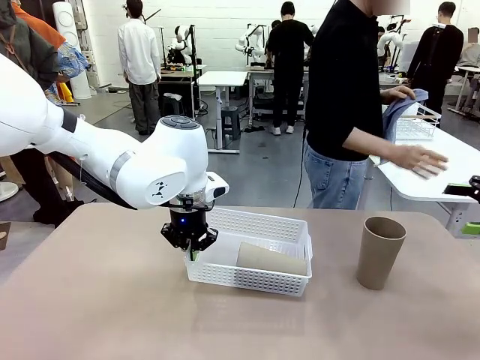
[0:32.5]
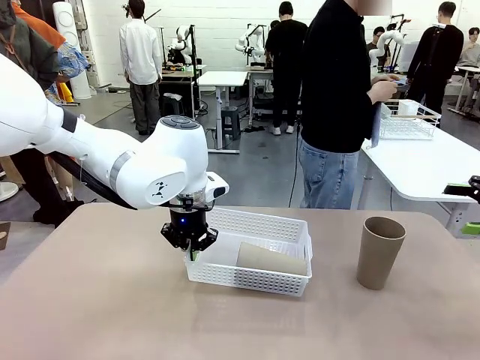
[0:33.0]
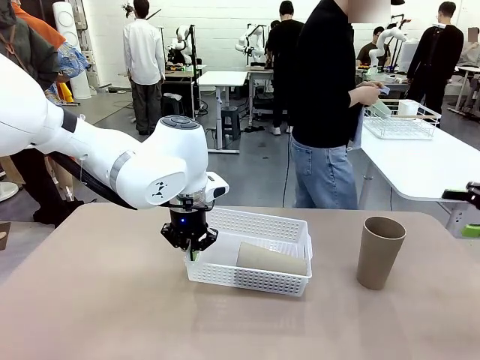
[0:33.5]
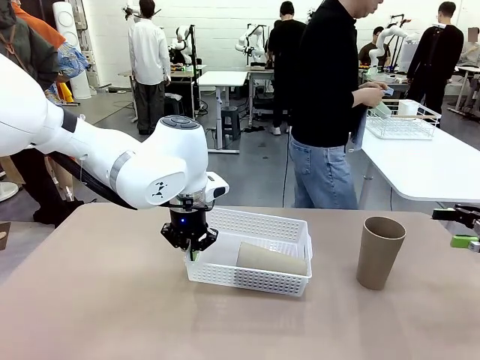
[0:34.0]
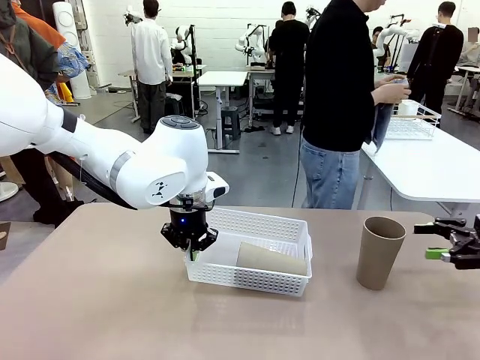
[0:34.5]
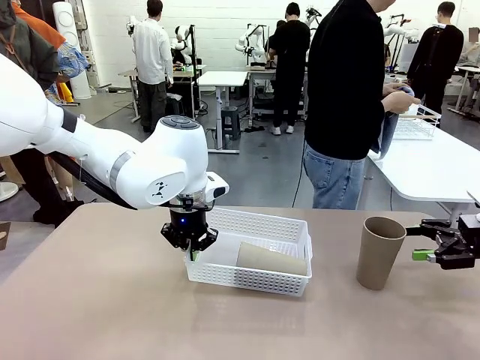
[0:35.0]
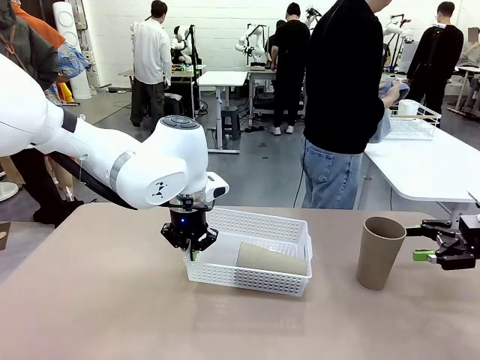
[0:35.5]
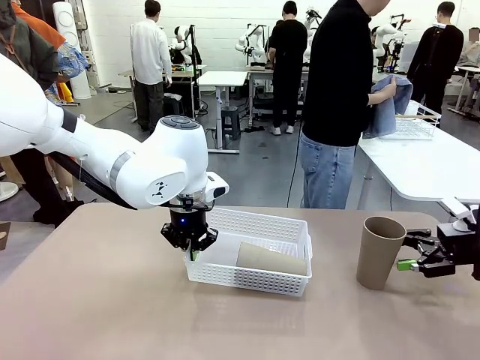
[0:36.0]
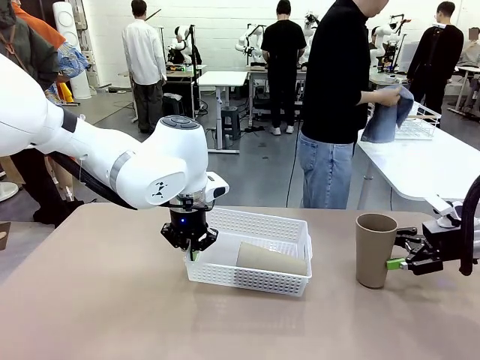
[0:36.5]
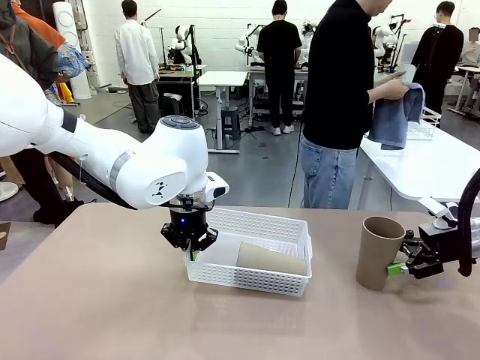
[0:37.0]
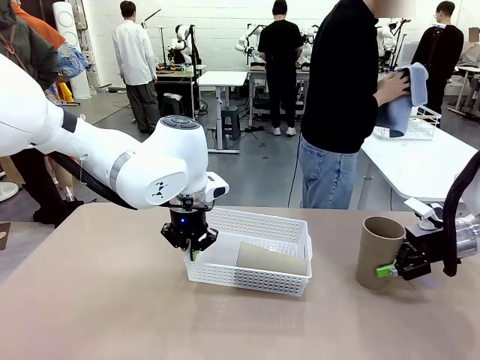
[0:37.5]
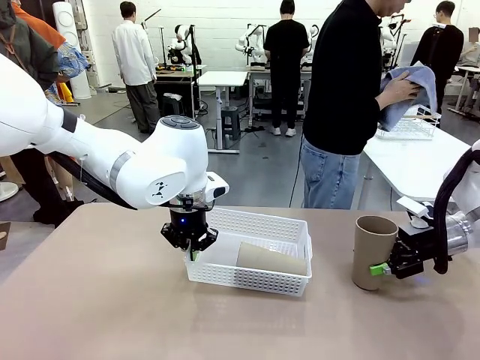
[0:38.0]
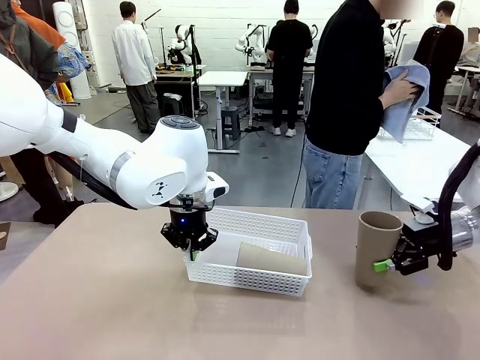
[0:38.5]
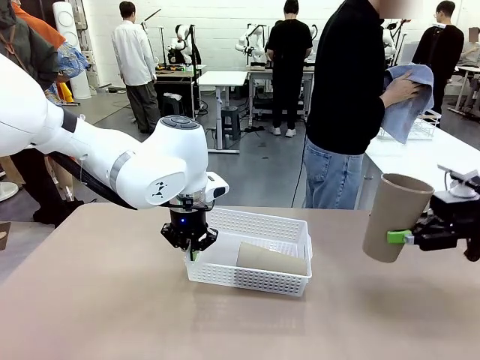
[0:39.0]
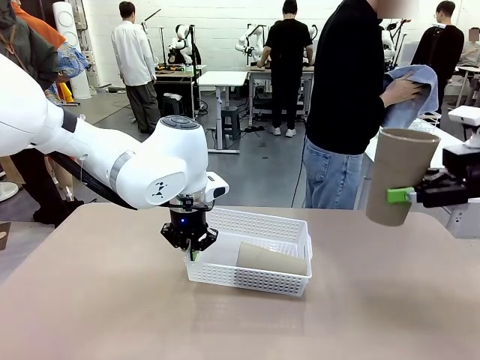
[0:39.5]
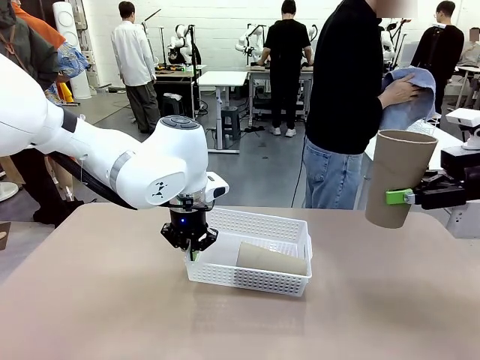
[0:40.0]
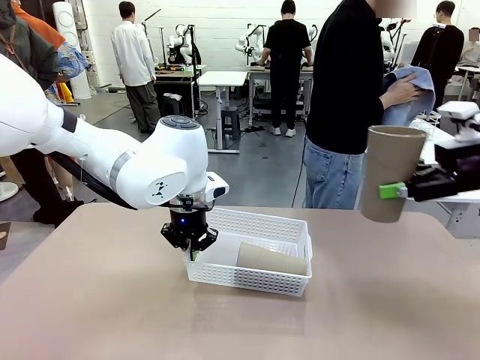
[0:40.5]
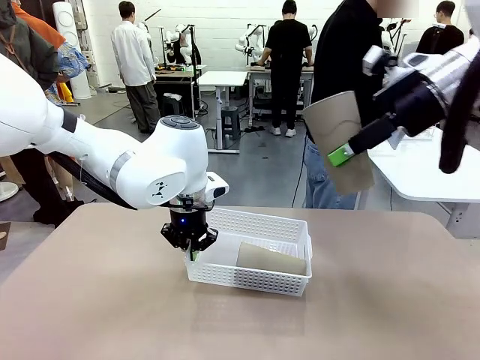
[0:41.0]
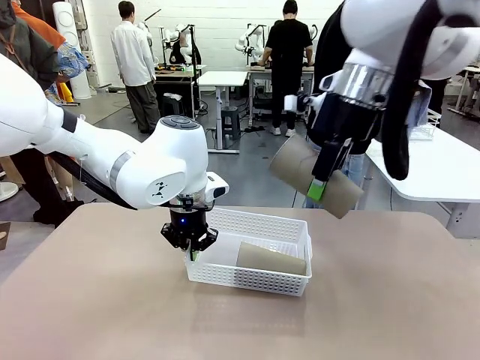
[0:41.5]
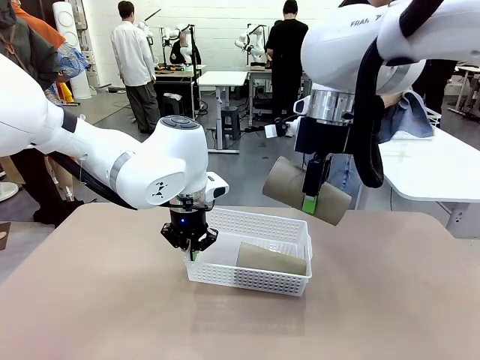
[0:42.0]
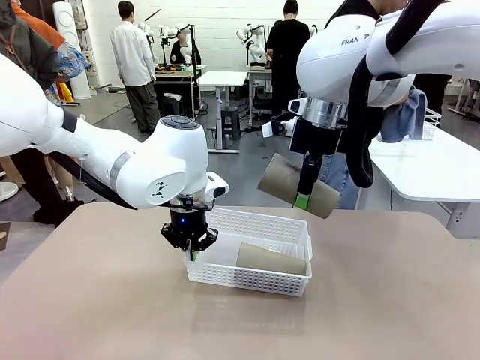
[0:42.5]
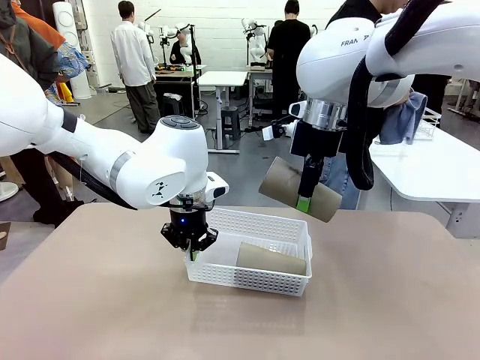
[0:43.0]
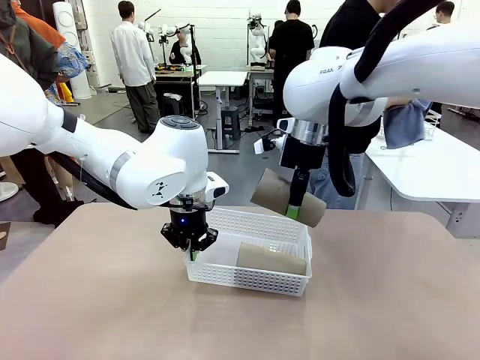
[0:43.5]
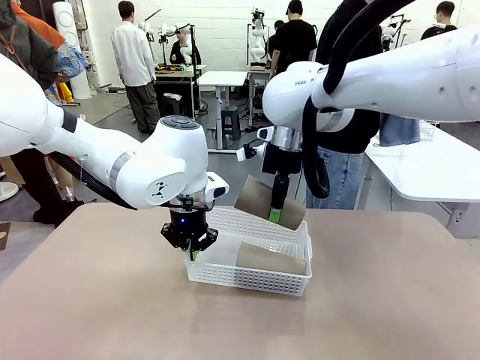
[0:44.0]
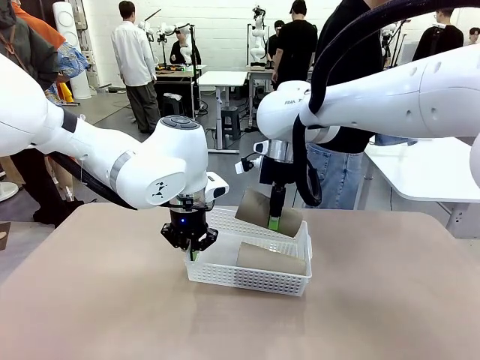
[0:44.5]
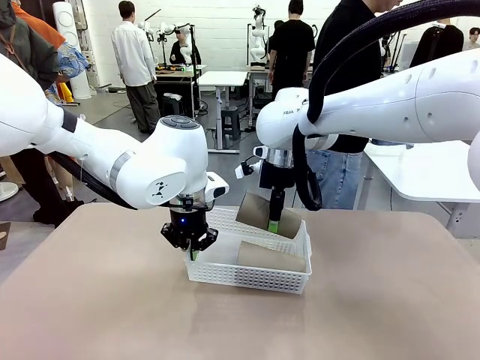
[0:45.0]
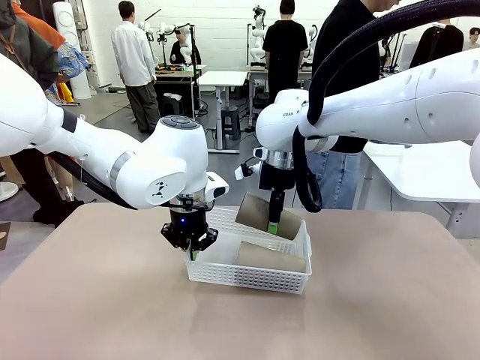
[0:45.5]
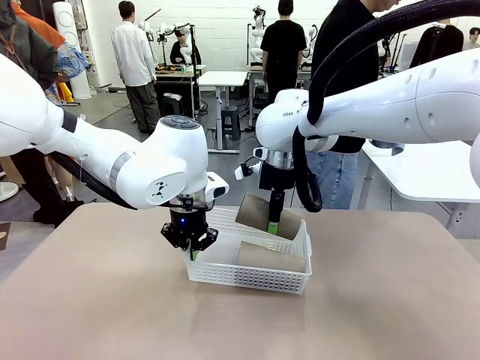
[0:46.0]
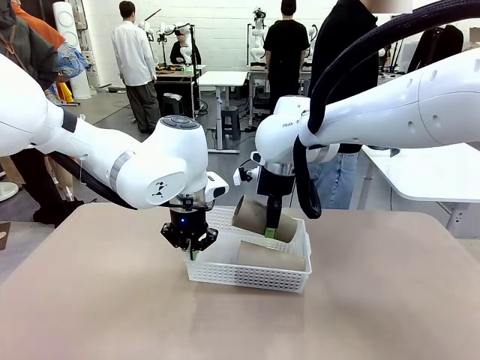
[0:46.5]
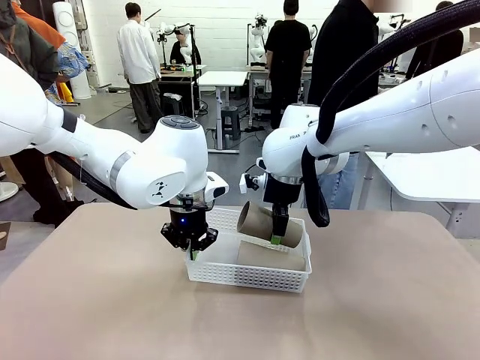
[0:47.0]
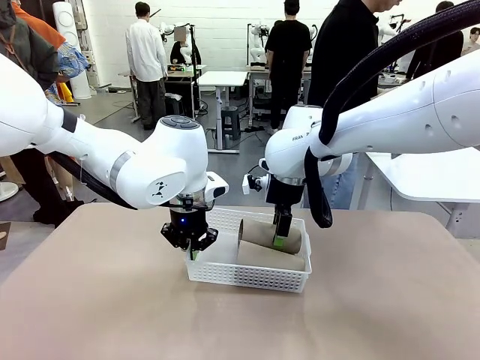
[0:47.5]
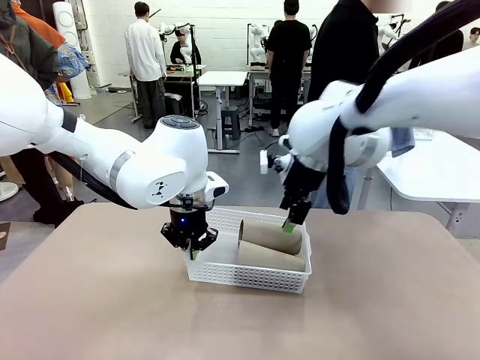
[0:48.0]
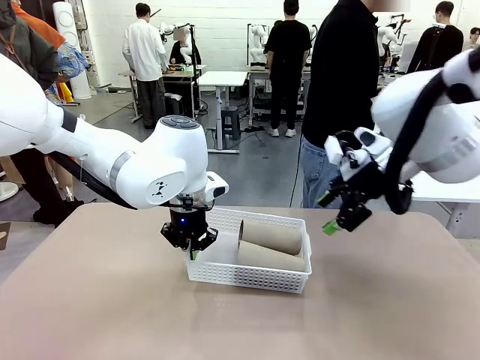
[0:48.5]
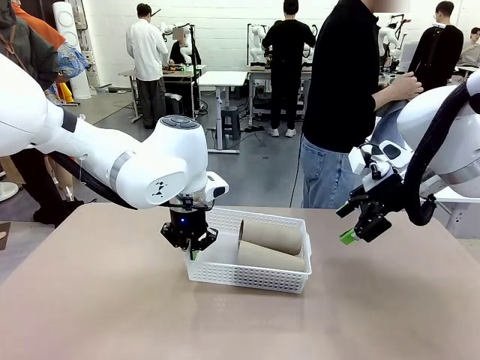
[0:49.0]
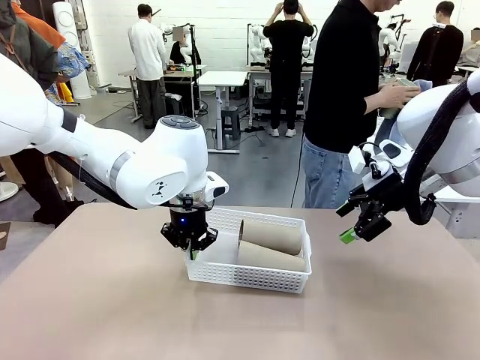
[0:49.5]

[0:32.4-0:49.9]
Task: Clean and organize the cups into the basket.
Robot: Pick up the Reusable plastic cup from the right side of the table and stack it inside the Organizing basket in the center of the table.

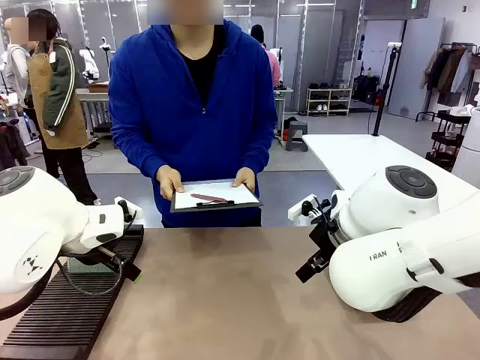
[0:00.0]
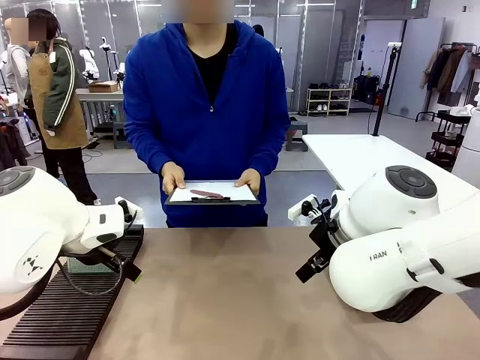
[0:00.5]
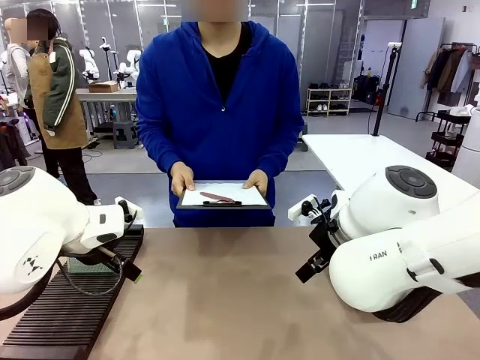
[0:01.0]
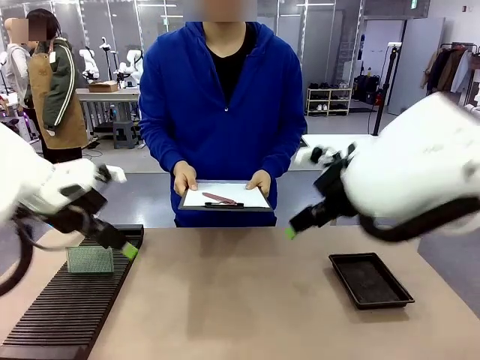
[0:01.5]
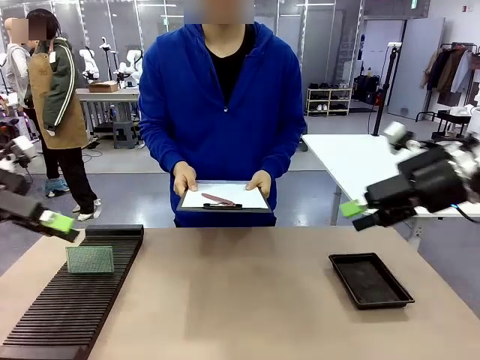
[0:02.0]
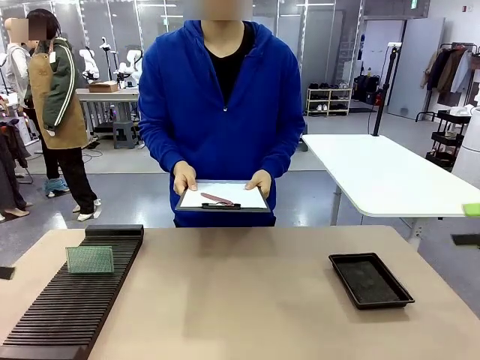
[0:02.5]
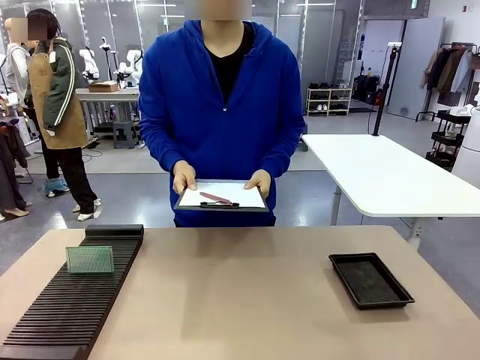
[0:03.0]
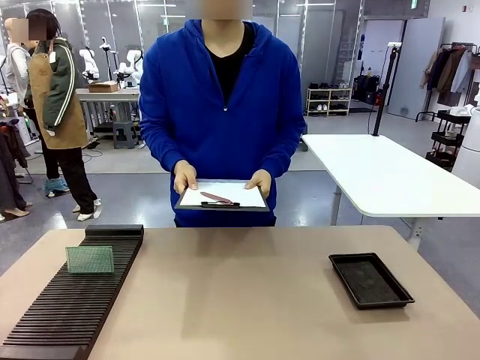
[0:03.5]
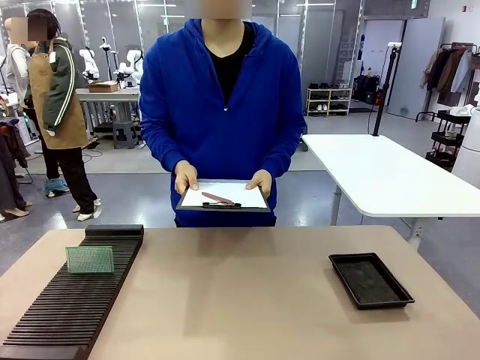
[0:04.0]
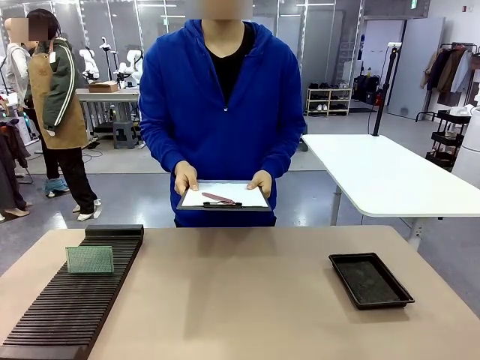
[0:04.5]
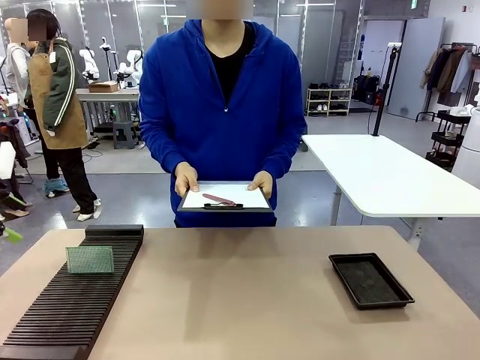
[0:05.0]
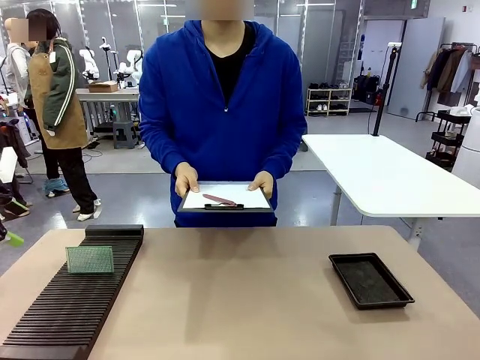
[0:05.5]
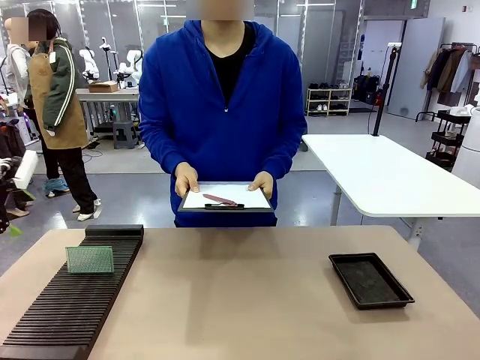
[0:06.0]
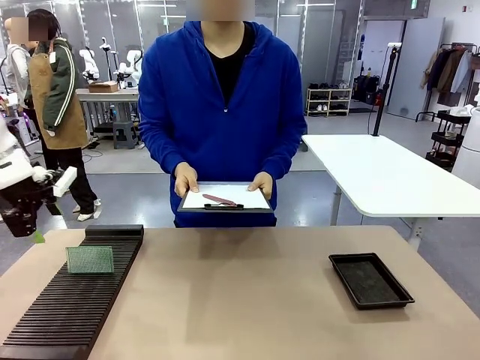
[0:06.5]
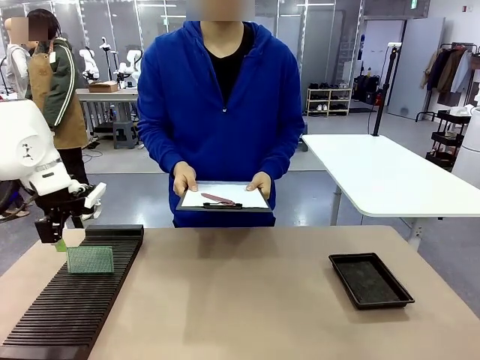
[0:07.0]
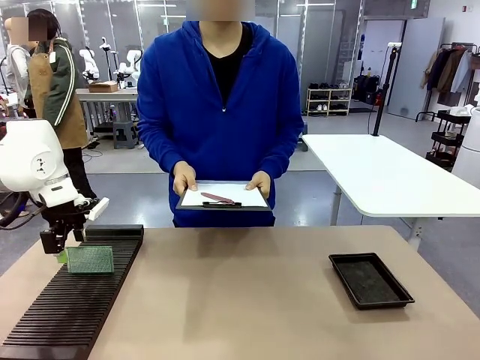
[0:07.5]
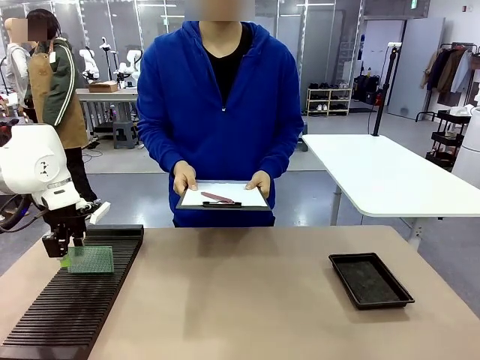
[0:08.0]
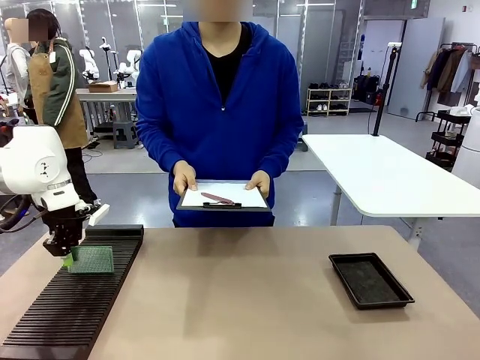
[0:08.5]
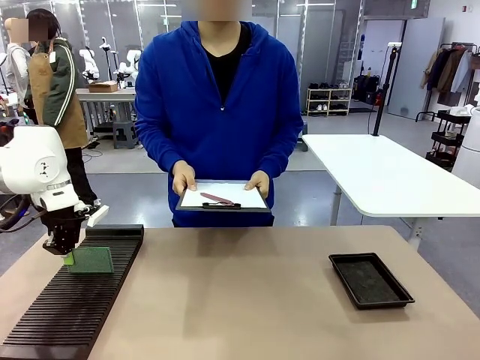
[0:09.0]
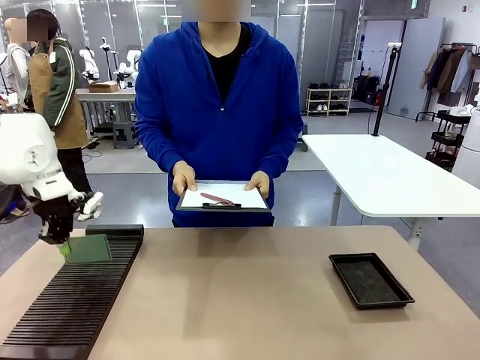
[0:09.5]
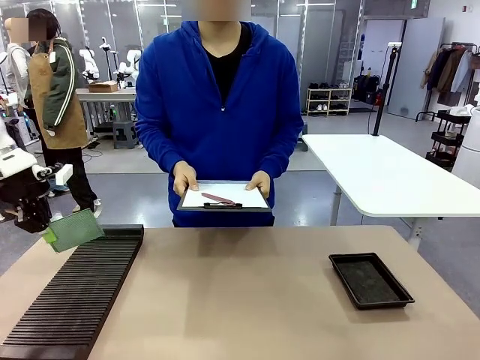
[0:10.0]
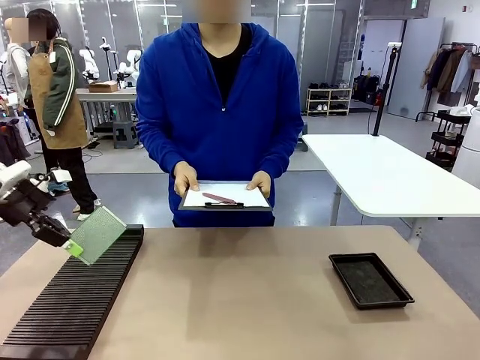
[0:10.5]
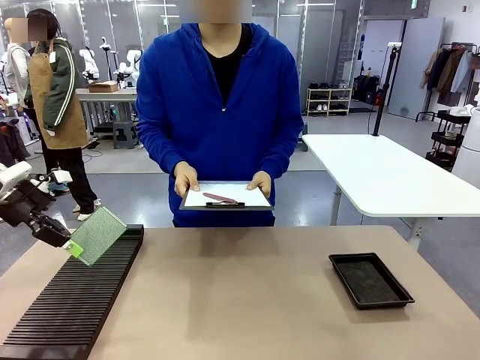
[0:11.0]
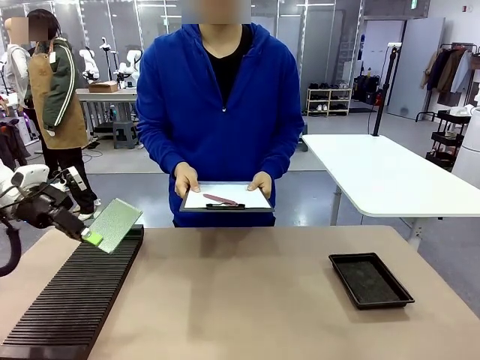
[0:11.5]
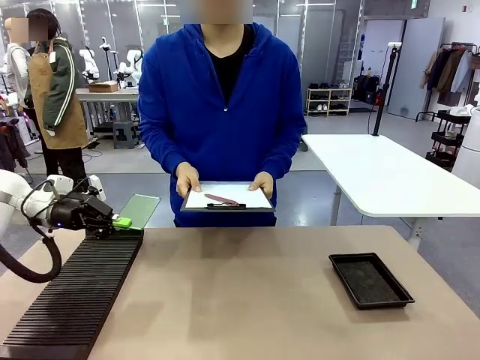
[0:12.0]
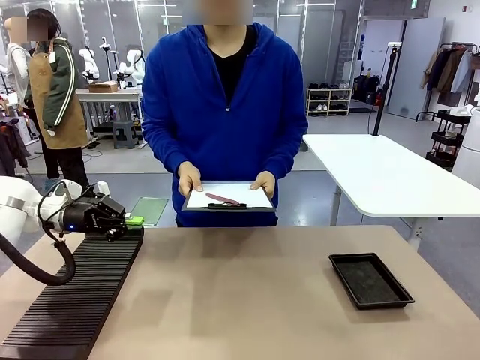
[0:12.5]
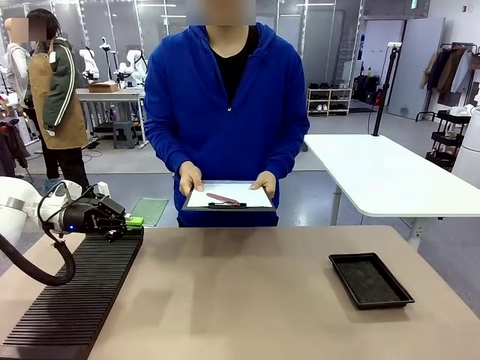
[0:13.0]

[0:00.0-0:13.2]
Task: Inspect the PCB.
Robot: Pick up the Blank PCB and present it to the human.
Person: Pick up the PCB presented by the robot.
